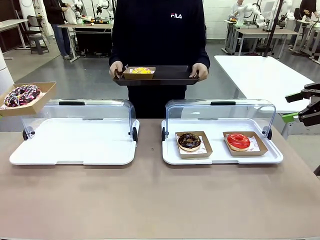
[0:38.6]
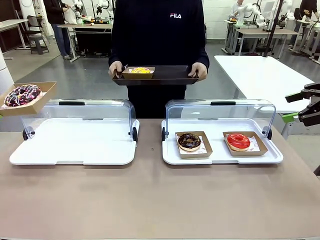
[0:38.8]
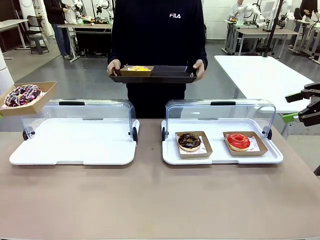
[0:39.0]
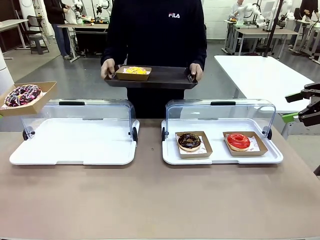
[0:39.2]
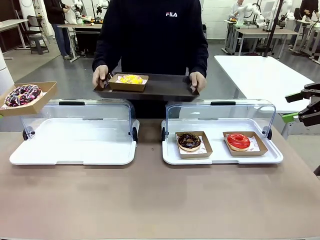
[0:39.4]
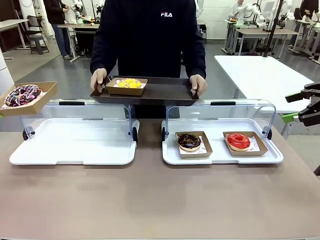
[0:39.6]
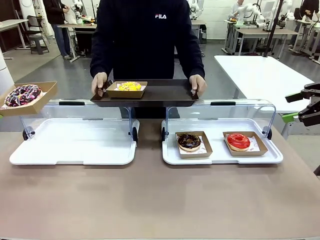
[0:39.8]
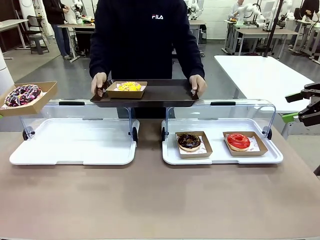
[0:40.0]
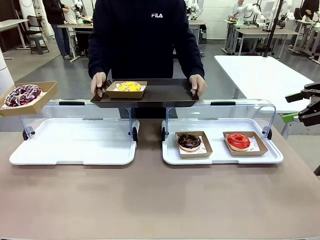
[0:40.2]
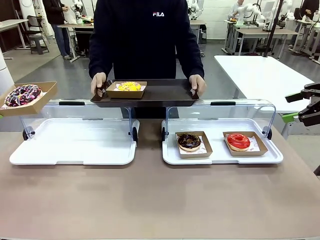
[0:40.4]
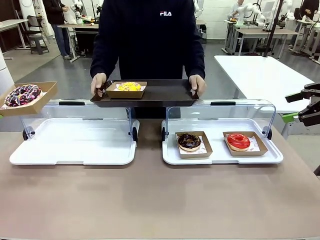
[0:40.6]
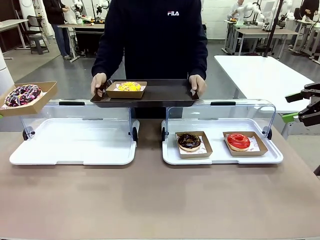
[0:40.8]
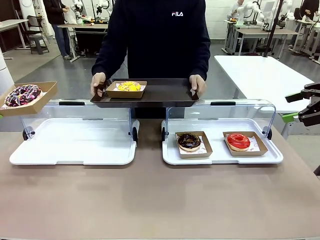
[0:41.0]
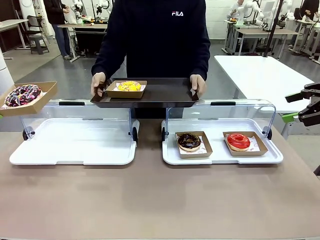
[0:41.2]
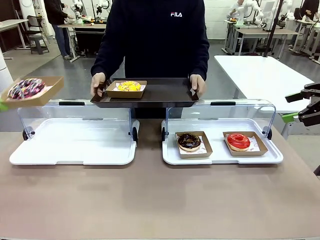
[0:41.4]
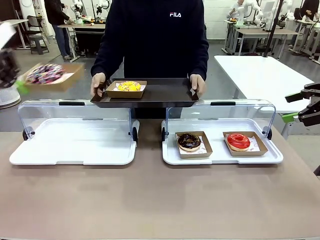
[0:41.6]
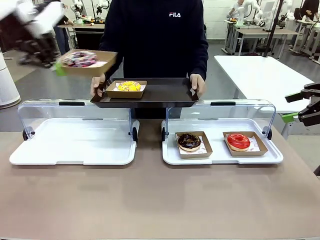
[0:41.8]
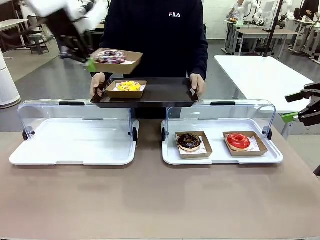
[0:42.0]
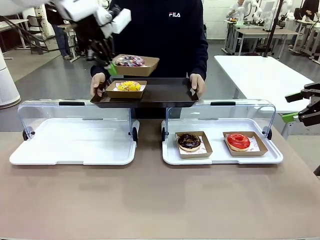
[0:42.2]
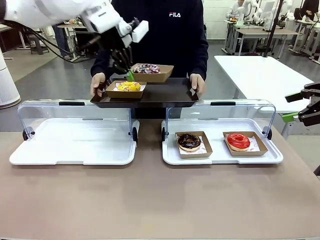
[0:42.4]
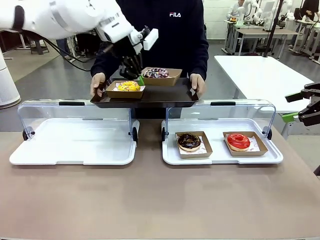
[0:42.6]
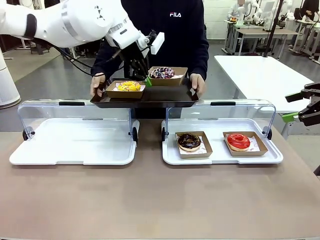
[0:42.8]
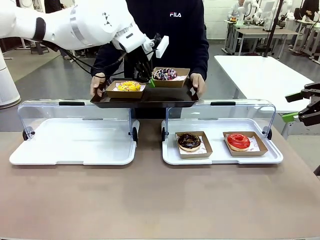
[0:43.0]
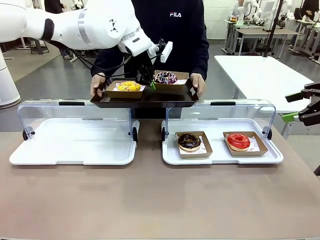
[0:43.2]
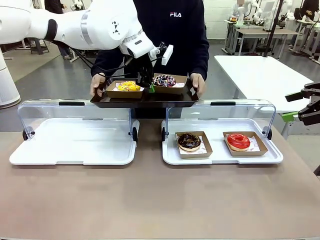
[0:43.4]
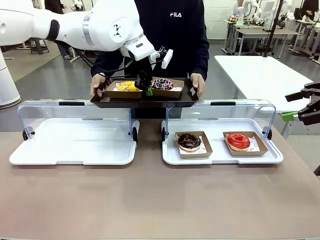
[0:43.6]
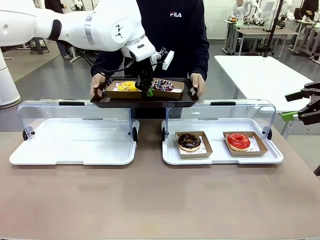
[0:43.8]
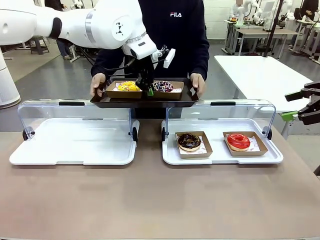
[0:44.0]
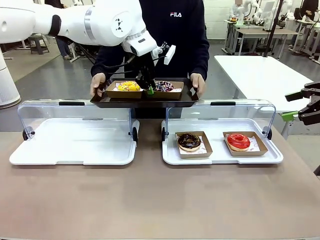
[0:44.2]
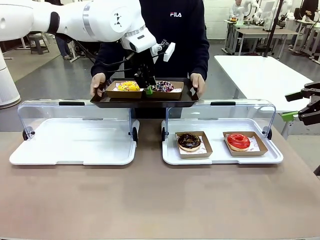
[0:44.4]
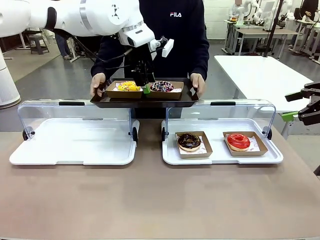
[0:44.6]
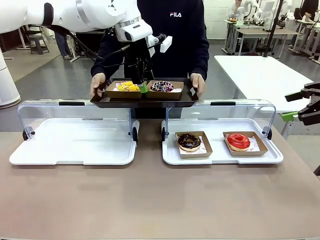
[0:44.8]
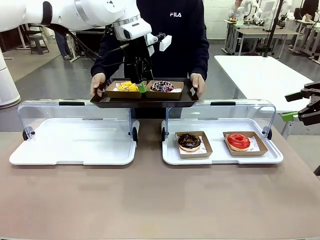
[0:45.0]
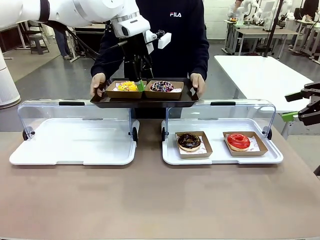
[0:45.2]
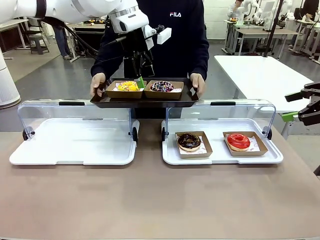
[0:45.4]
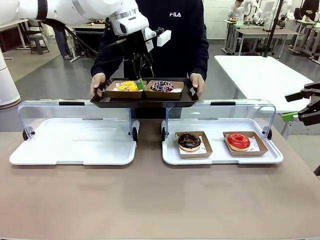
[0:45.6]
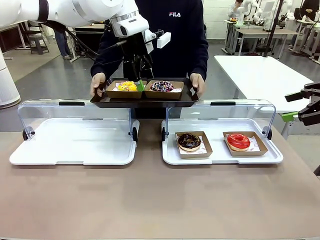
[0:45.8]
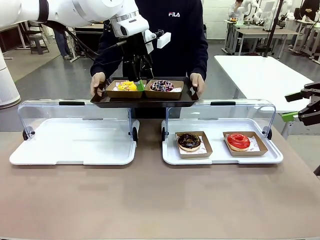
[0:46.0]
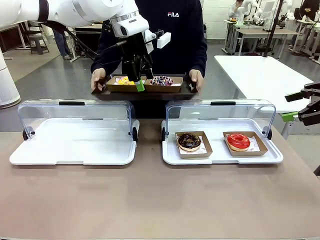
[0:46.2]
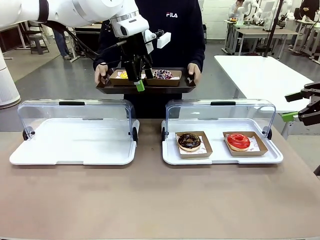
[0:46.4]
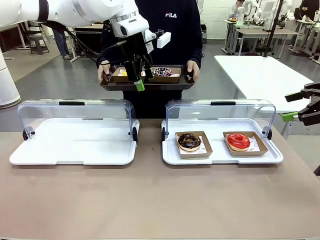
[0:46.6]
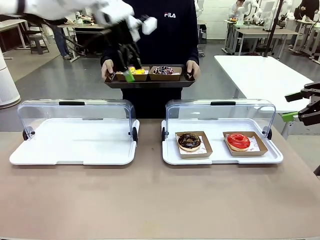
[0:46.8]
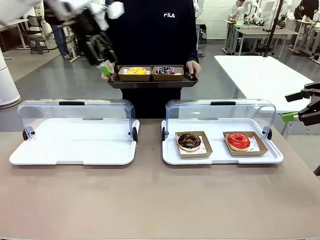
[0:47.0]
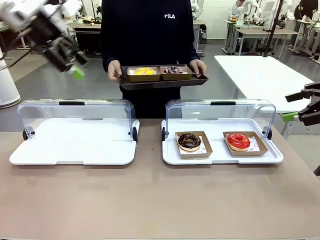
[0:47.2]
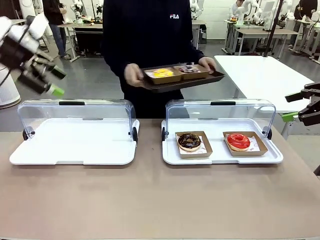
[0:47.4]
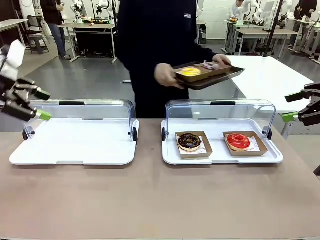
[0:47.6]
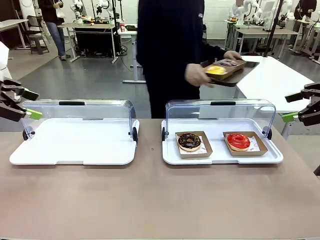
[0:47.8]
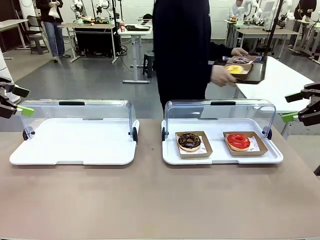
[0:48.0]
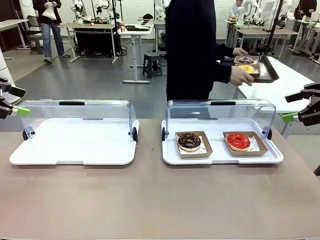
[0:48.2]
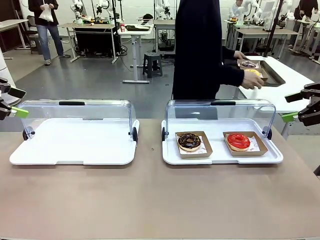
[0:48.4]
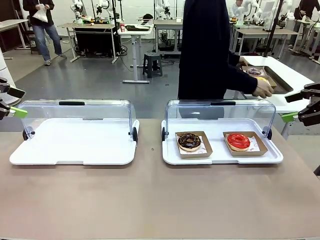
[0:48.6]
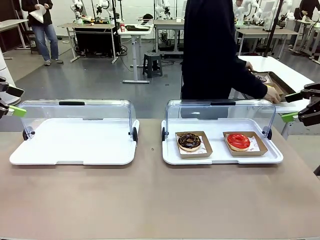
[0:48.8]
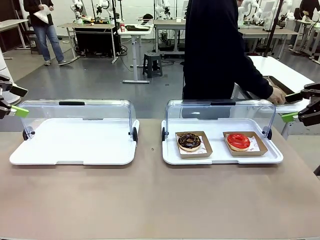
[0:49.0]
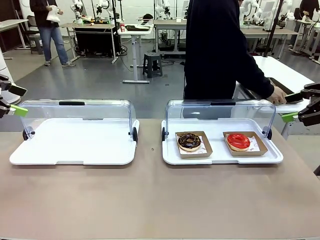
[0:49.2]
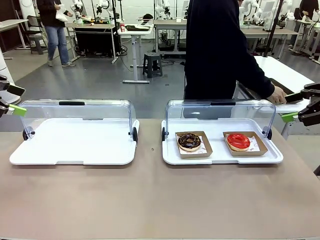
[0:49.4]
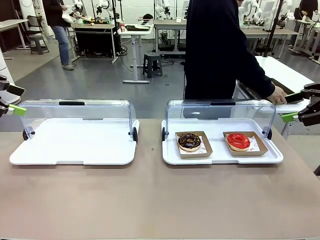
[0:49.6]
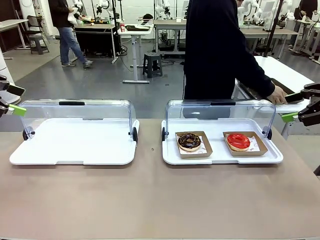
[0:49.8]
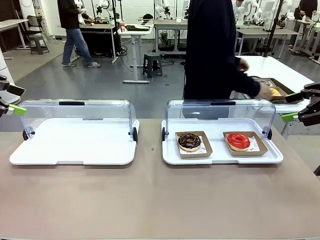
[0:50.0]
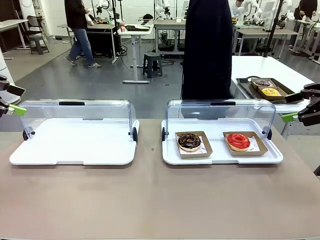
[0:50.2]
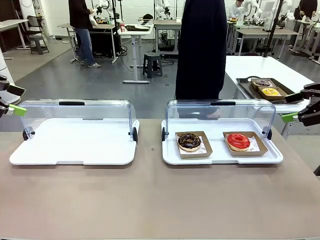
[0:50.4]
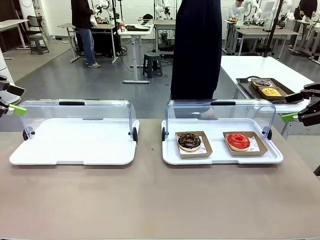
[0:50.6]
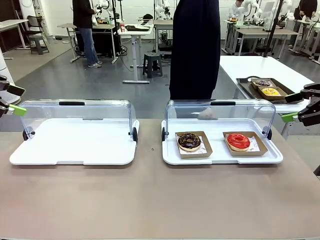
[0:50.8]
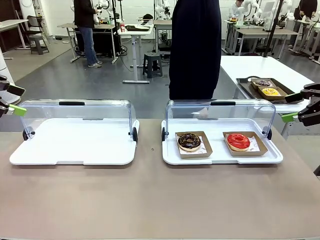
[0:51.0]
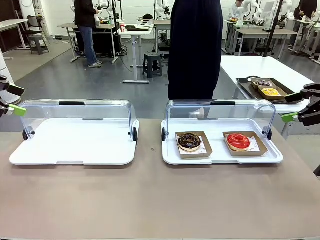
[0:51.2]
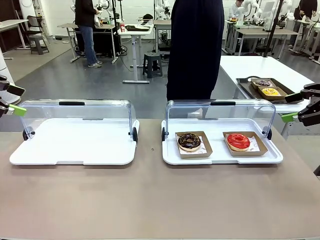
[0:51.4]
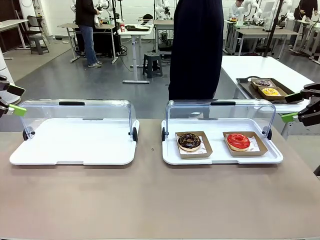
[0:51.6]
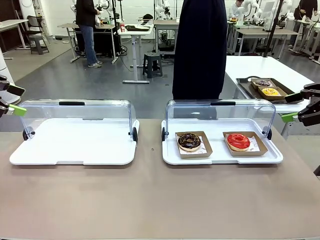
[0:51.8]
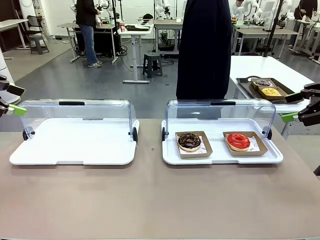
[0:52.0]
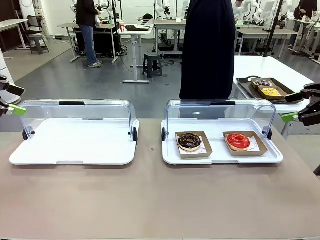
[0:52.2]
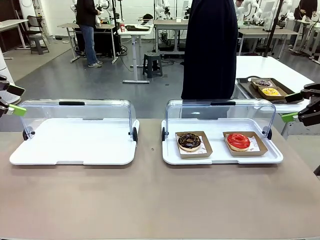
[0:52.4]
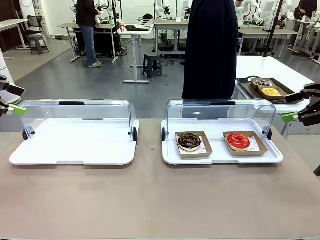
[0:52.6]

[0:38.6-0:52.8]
Task: Provide the desired donut to the person.
Robot: Place the picked Paper togo box onto the Handle tray extended by the person.
Person: Place the tray in the middle of the human table.

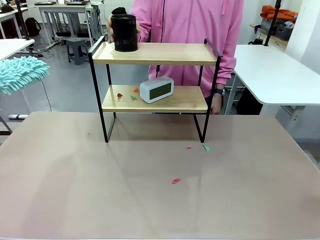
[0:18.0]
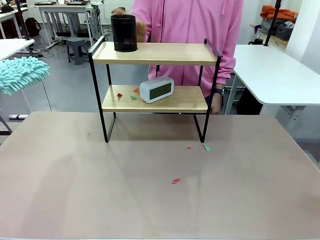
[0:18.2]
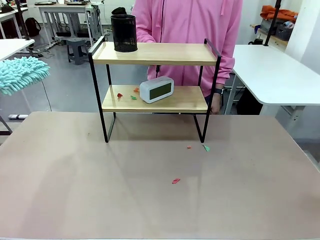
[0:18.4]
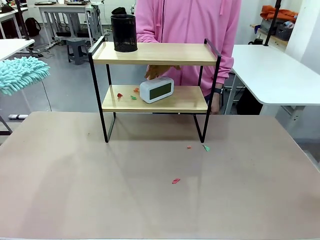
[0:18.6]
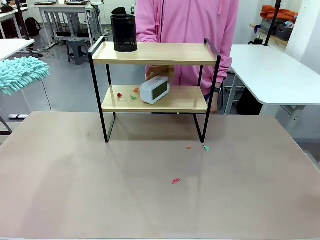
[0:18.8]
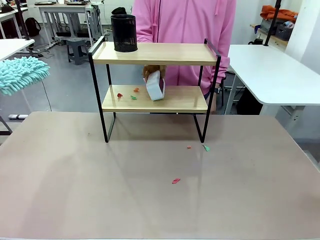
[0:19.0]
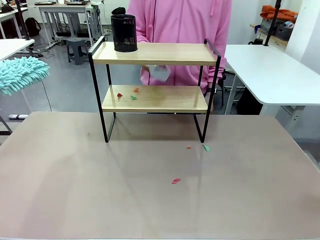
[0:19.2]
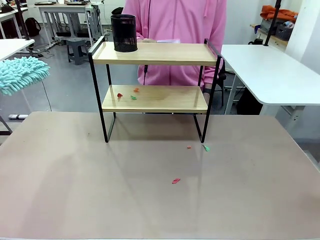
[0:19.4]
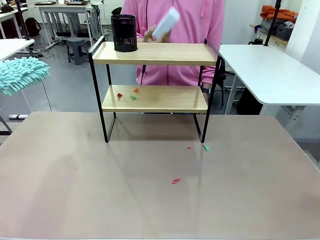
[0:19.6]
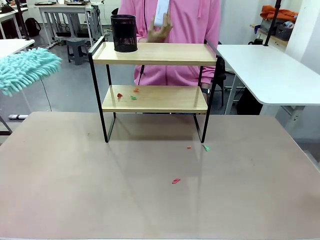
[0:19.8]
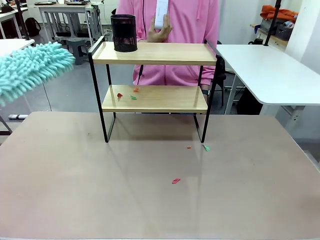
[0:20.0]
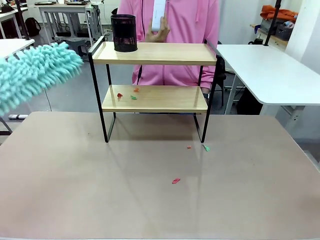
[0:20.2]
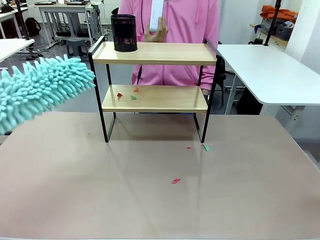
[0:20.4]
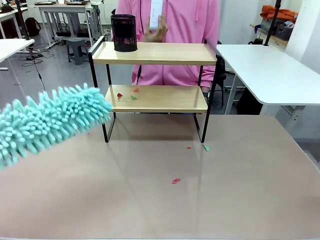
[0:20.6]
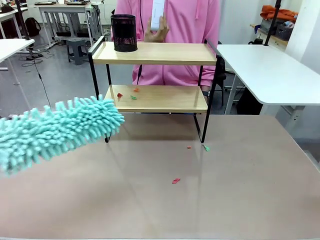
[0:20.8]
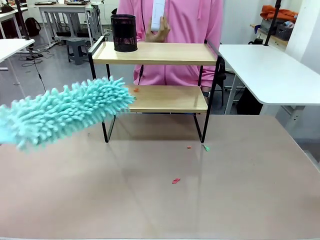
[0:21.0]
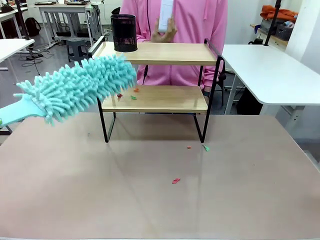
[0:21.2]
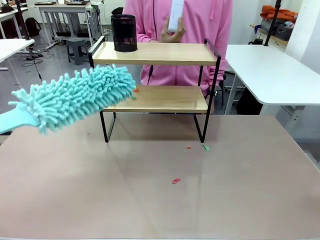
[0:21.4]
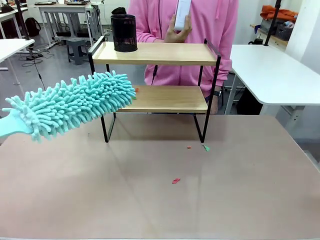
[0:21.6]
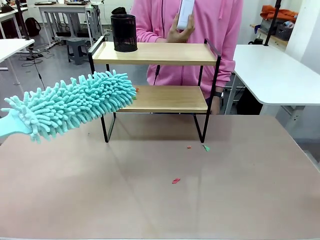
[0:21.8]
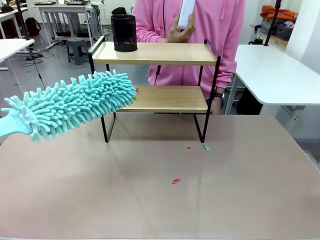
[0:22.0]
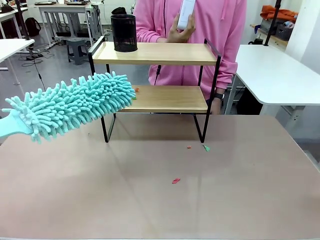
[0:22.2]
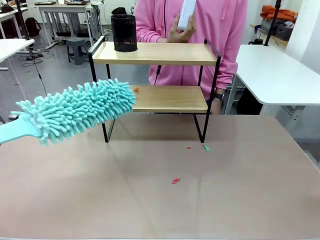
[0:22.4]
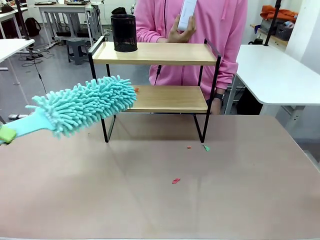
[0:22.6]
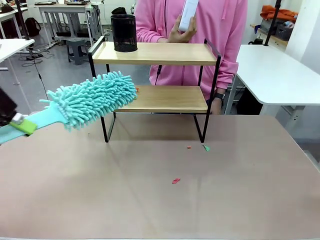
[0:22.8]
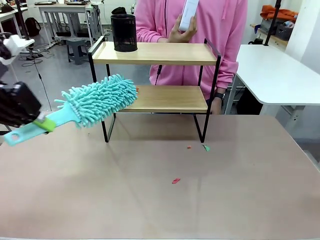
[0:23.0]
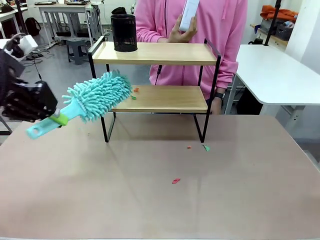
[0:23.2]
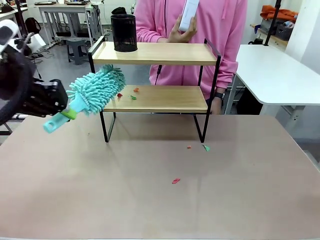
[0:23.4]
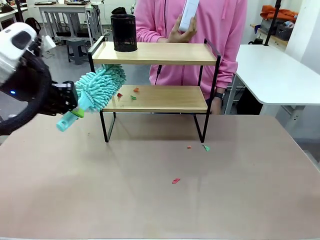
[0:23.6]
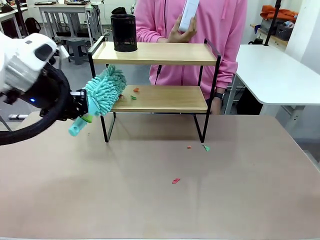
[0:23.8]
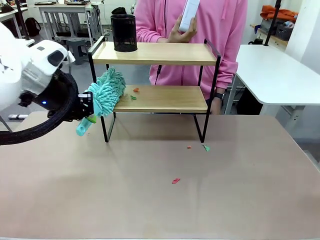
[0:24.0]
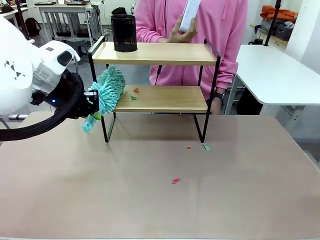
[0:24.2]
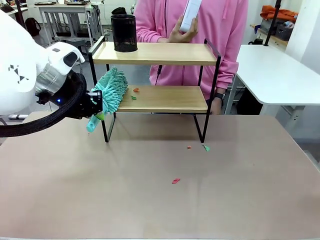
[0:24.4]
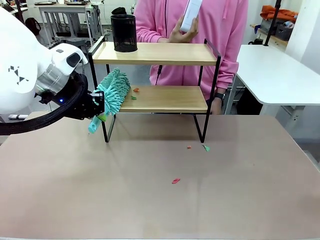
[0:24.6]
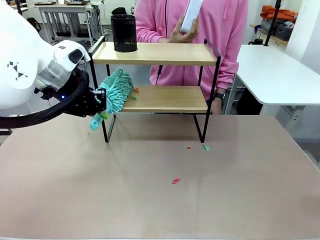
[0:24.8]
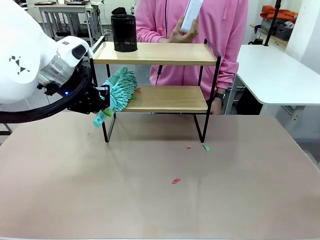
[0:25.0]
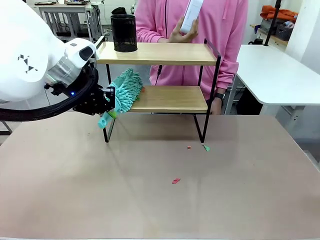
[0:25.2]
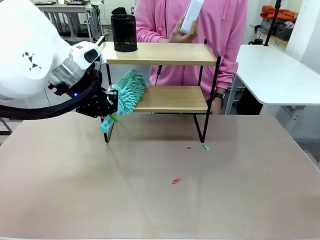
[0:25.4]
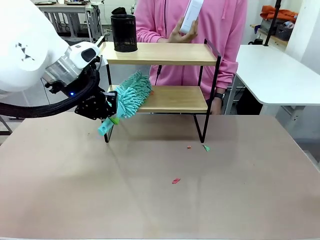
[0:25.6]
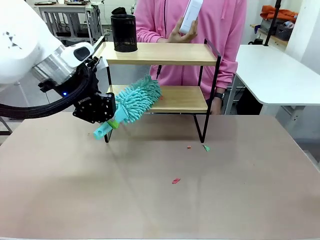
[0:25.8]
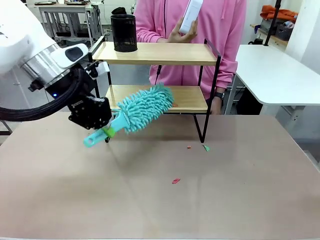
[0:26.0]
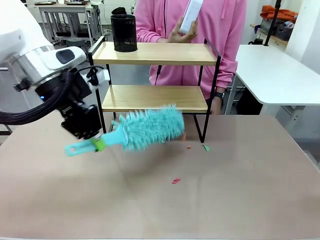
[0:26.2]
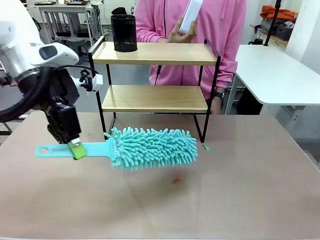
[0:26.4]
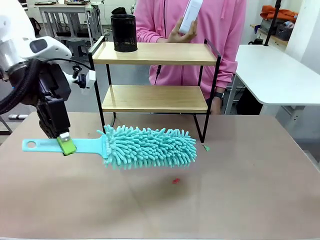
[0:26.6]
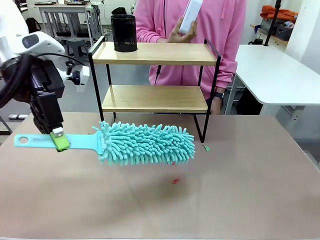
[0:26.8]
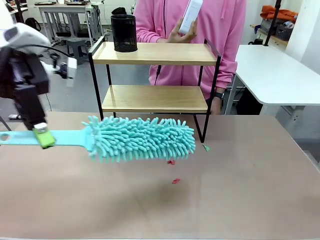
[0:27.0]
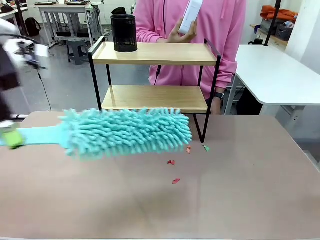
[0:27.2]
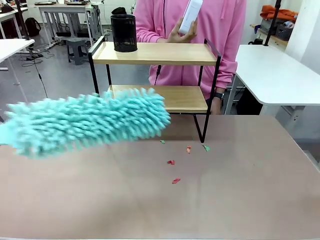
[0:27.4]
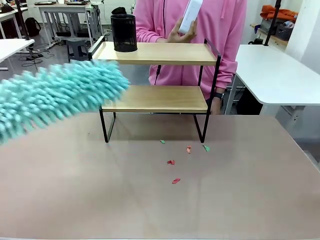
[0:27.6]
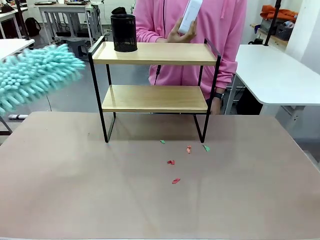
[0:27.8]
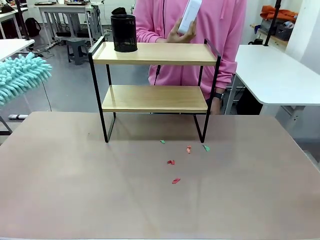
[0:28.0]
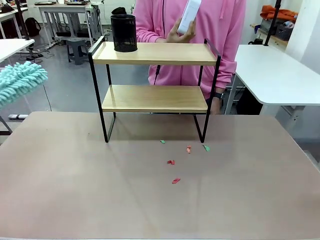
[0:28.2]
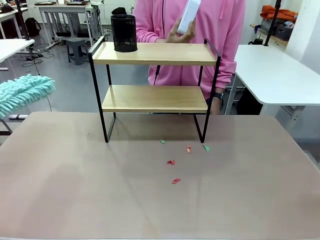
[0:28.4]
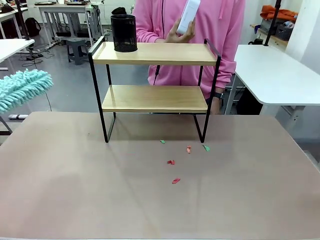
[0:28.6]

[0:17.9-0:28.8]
Task: Clean the shelf.
Robot: Clean the remaining tier of the Shelf with the Duster once objects are removed.
